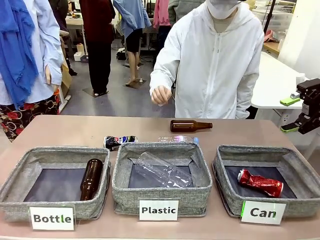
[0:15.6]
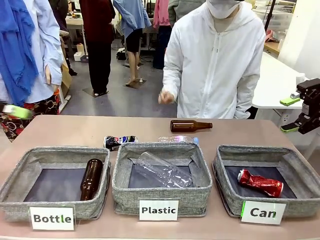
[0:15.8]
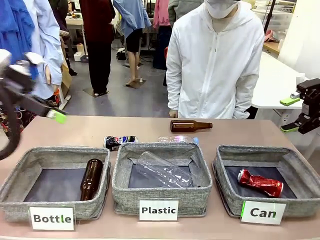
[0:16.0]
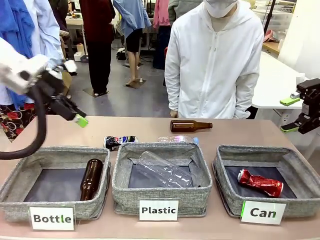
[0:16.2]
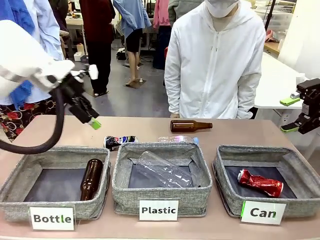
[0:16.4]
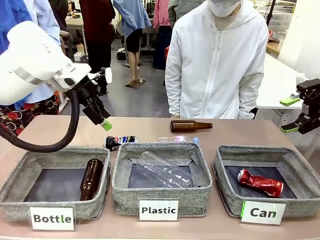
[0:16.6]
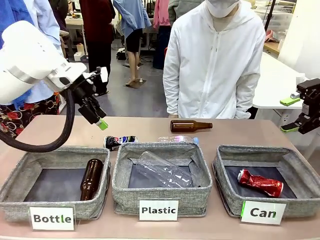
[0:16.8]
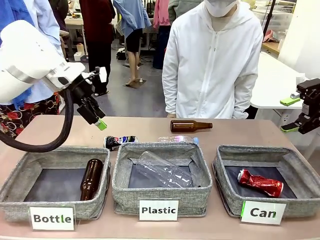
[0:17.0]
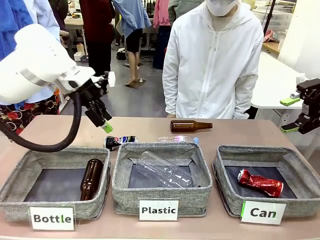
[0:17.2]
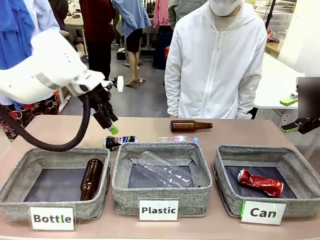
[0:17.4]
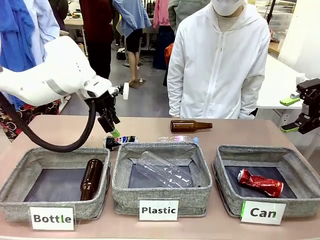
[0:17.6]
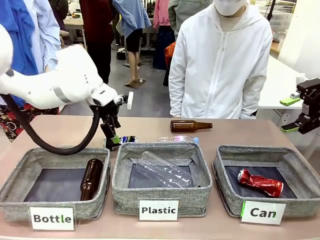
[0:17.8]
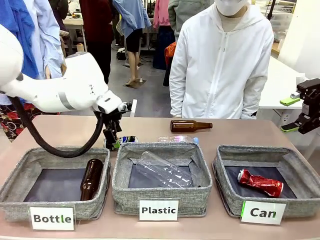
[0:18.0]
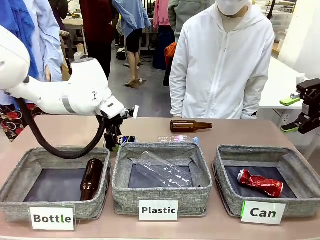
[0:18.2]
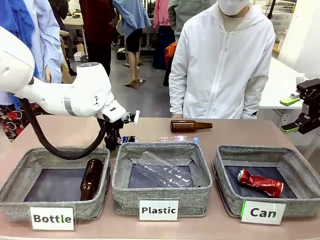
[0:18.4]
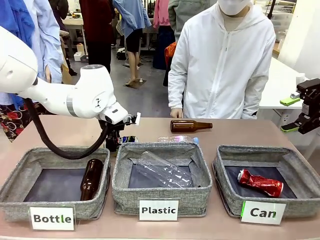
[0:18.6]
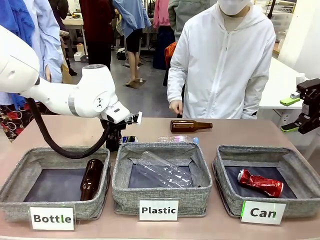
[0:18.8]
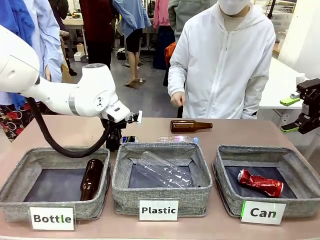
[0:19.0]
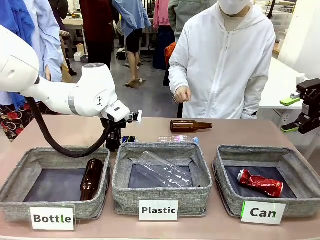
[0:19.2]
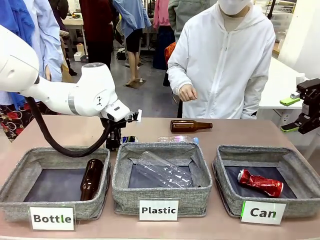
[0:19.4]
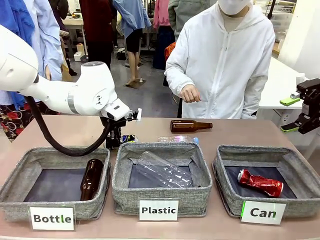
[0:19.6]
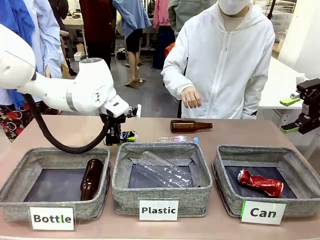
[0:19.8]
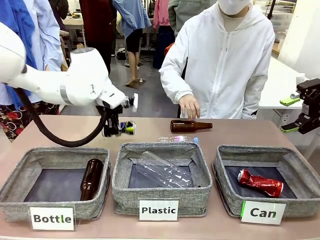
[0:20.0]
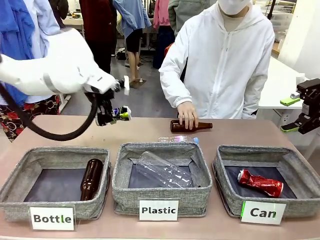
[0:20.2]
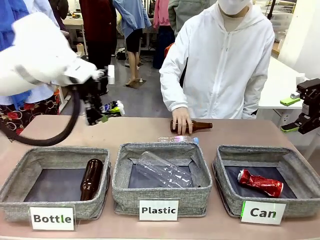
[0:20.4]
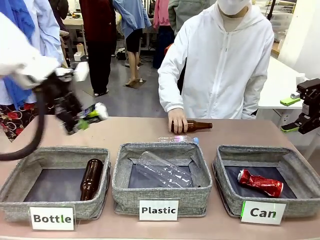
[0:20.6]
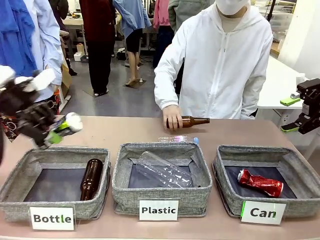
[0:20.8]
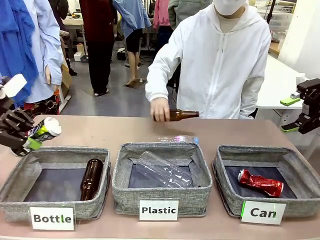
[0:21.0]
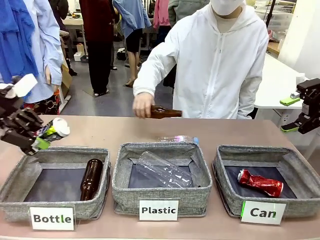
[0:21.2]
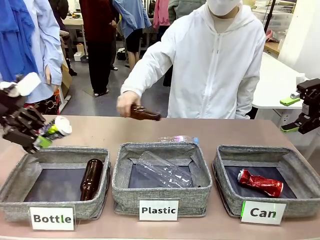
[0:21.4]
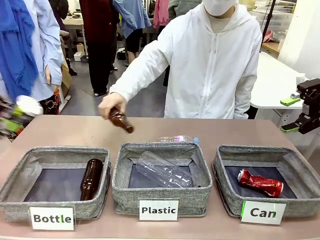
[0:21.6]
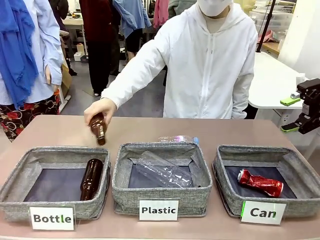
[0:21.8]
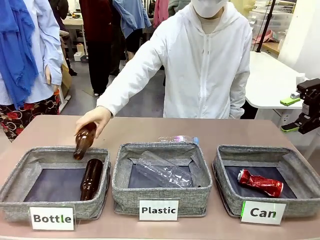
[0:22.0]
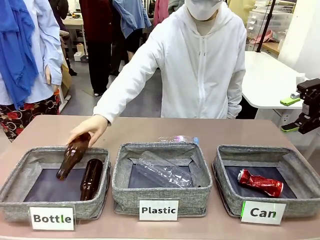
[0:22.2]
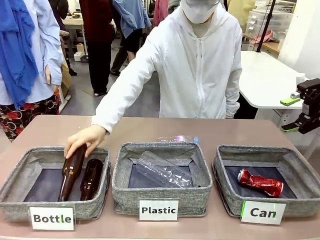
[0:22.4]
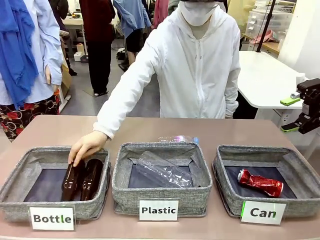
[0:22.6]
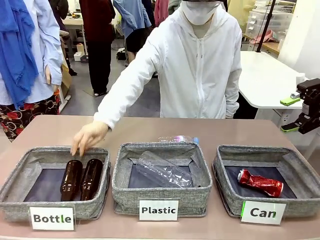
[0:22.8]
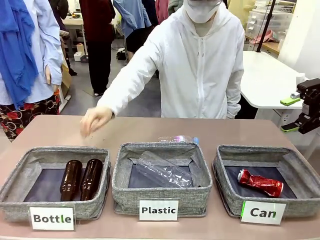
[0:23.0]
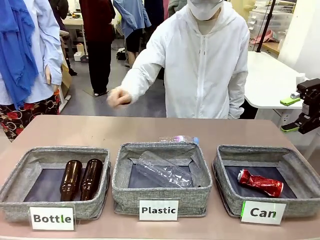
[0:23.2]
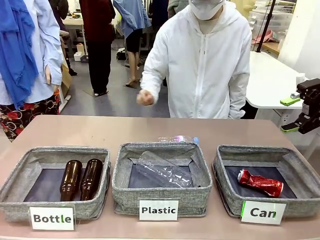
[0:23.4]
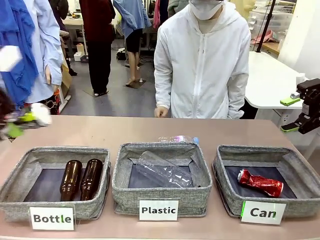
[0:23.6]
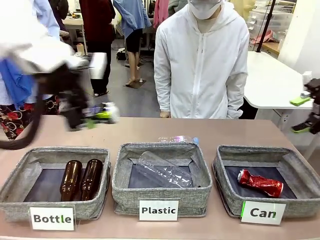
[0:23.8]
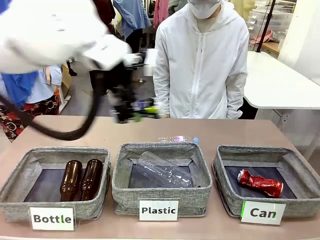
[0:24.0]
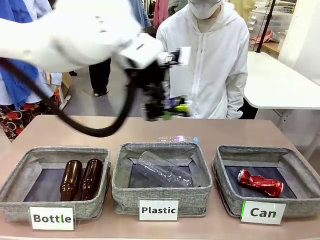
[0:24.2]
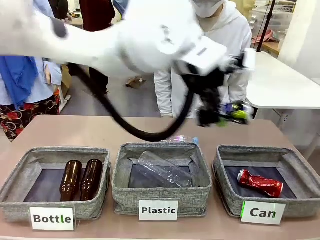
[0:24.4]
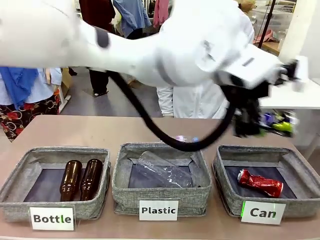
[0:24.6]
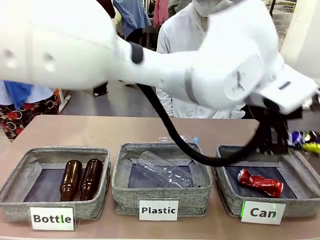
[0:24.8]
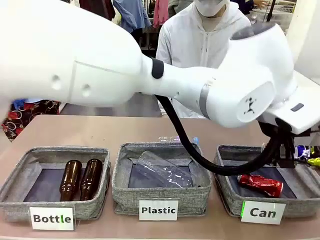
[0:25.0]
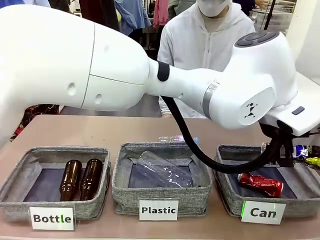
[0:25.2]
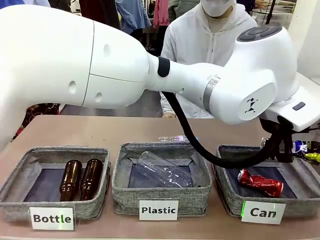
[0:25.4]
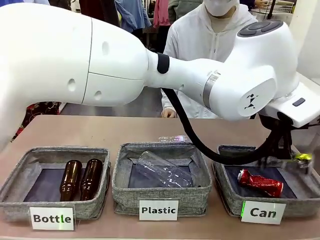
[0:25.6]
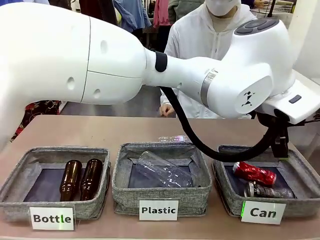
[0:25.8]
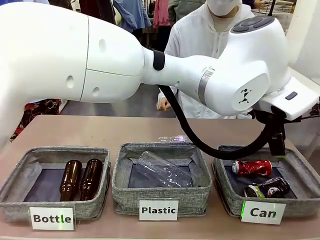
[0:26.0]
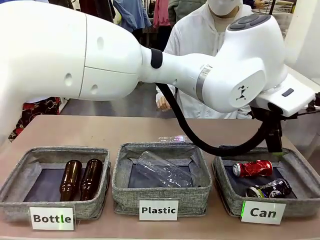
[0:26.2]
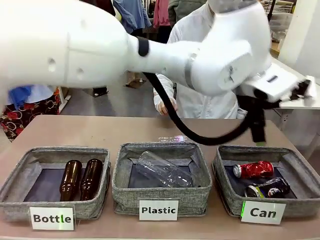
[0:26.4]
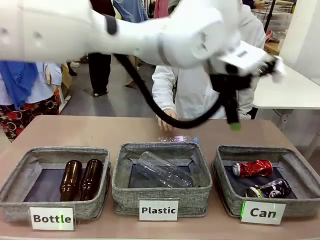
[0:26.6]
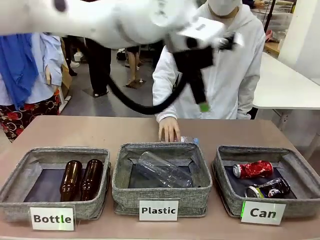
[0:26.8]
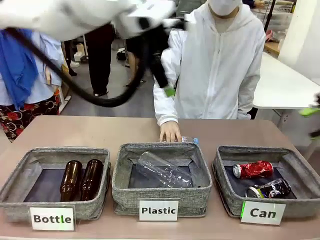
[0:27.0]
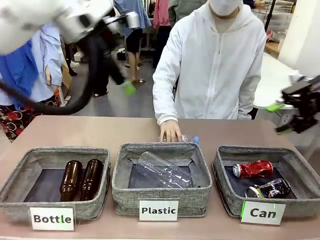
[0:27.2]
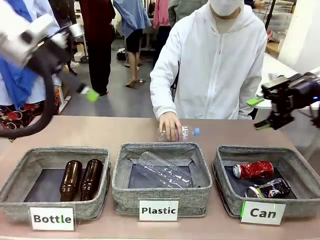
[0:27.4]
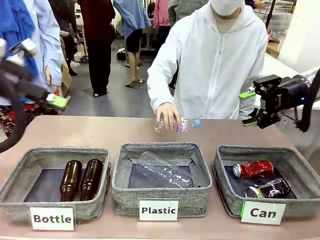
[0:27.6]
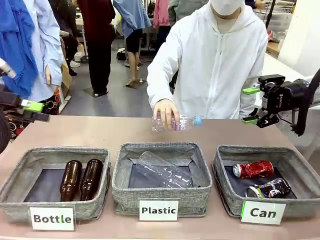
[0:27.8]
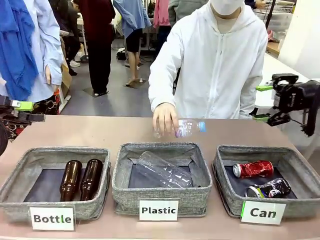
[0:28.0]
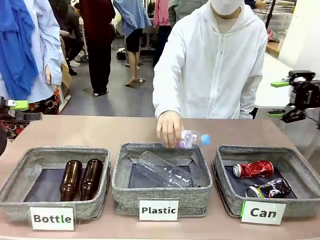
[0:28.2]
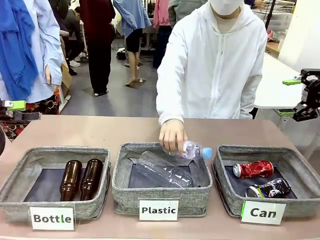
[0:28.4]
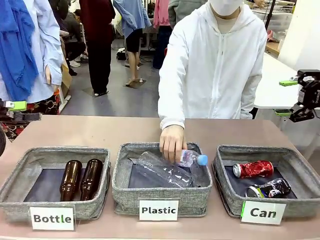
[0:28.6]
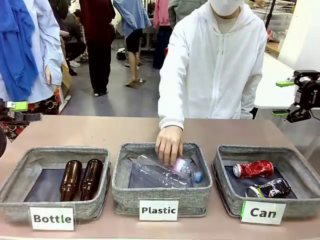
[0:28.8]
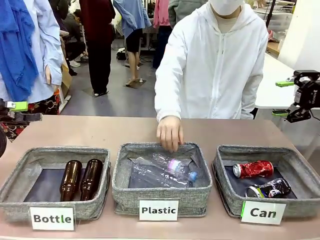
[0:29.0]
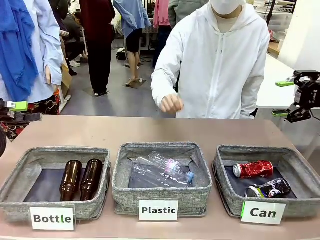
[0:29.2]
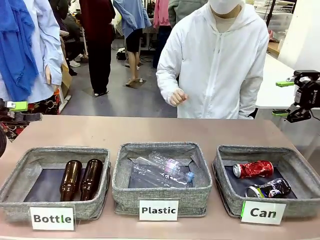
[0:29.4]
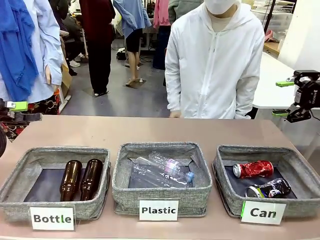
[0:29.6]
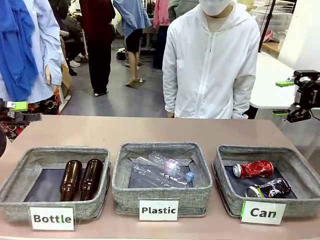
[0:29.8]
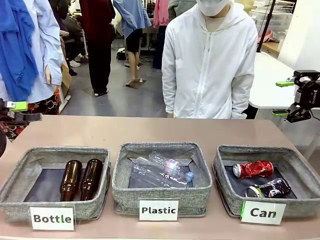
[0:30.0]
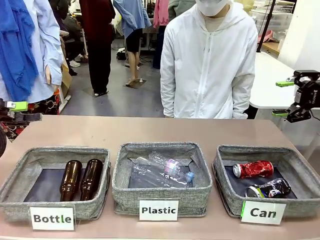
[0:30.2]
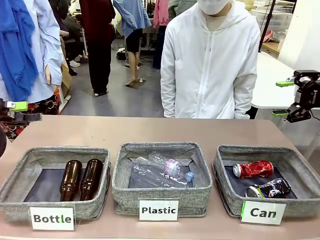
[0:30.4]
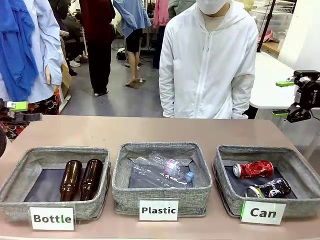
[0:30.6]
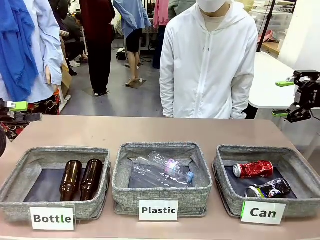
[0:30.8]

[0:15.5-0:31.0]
Task: Sort the can waste into the basket.
Robot: Pick up the can waste from the table and place it in the right Fabric basket.
